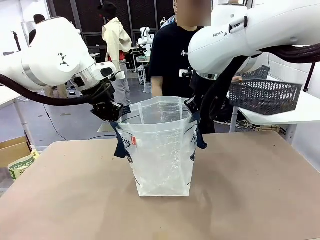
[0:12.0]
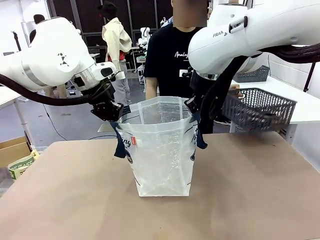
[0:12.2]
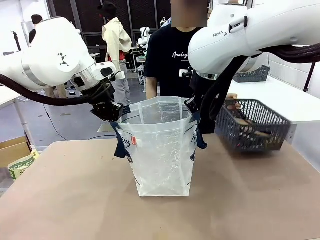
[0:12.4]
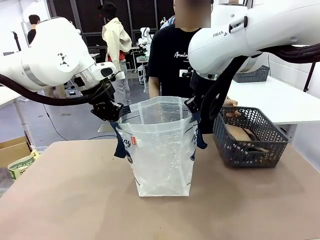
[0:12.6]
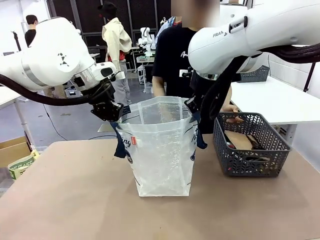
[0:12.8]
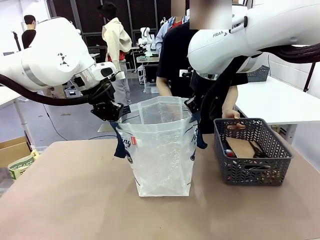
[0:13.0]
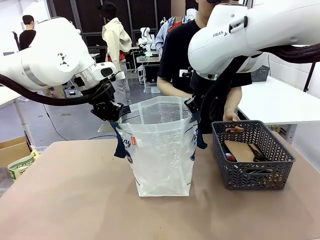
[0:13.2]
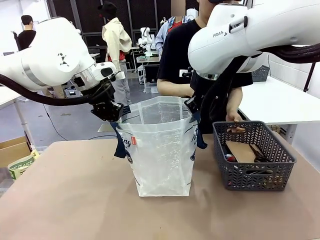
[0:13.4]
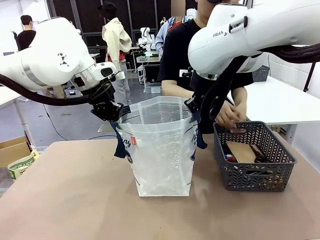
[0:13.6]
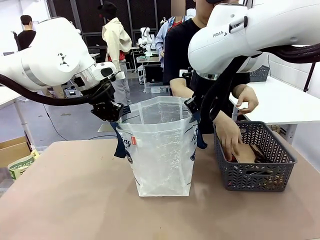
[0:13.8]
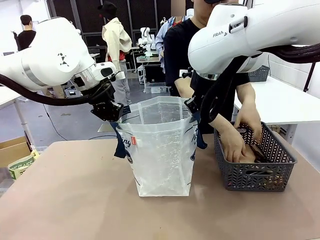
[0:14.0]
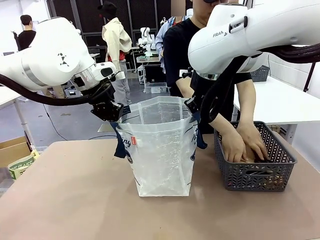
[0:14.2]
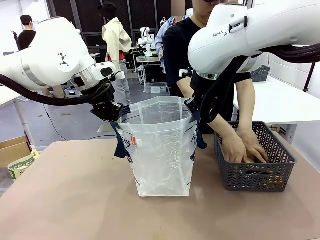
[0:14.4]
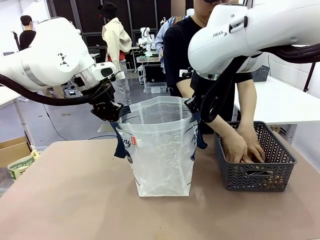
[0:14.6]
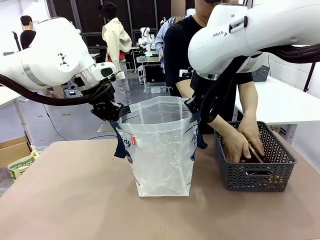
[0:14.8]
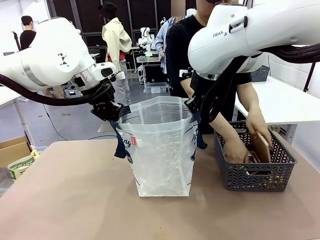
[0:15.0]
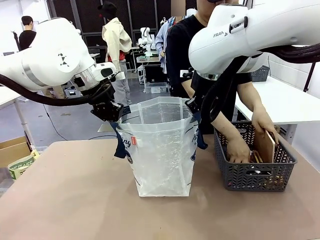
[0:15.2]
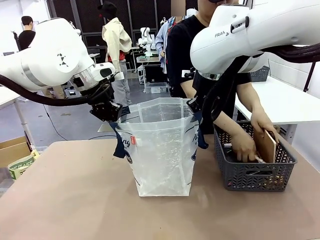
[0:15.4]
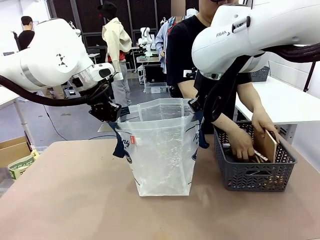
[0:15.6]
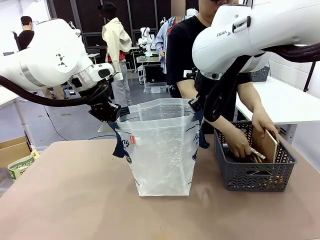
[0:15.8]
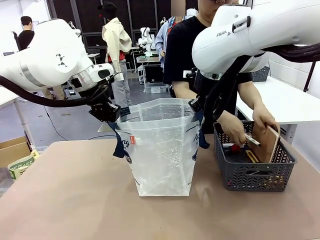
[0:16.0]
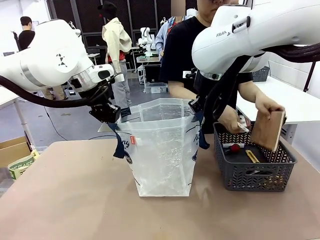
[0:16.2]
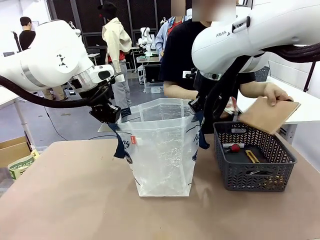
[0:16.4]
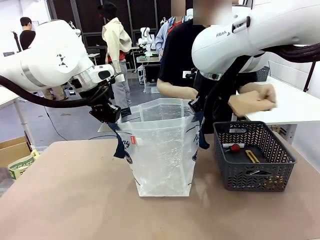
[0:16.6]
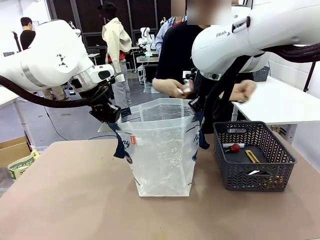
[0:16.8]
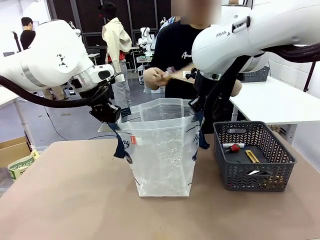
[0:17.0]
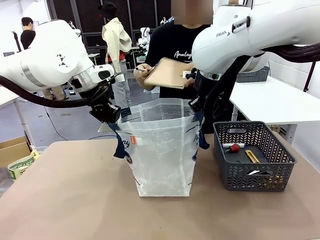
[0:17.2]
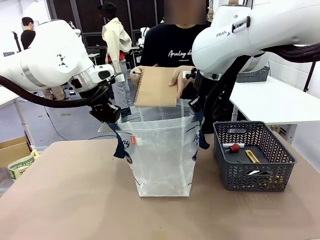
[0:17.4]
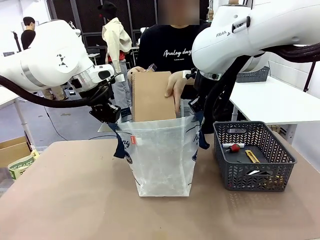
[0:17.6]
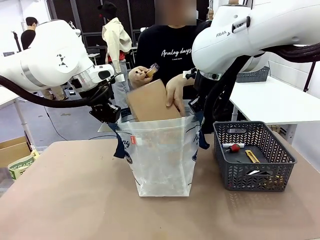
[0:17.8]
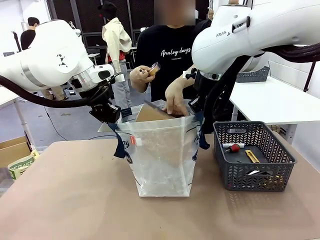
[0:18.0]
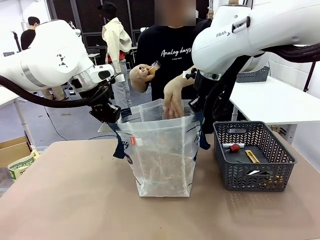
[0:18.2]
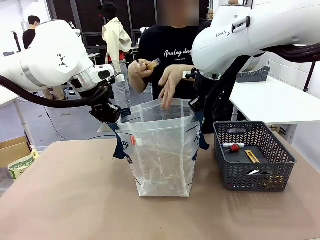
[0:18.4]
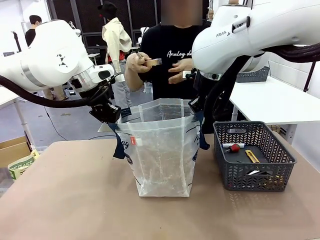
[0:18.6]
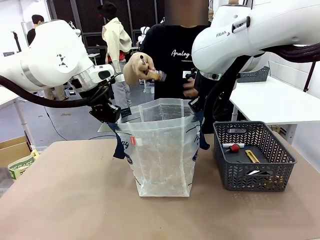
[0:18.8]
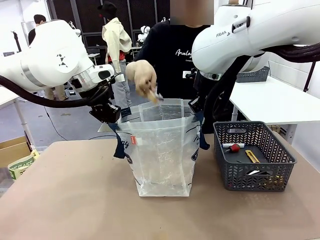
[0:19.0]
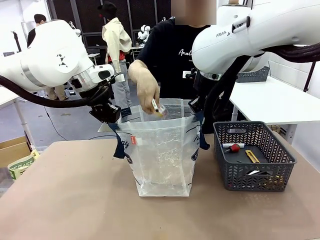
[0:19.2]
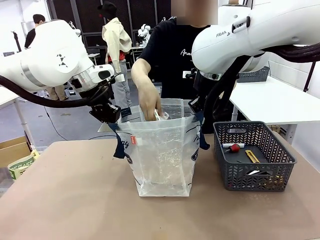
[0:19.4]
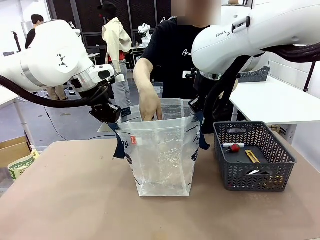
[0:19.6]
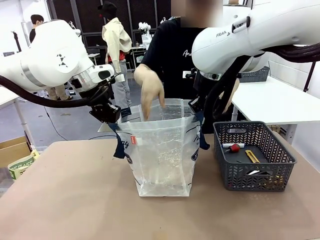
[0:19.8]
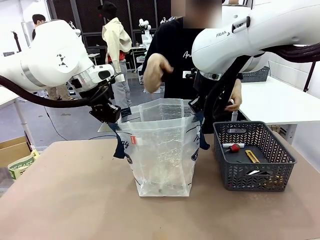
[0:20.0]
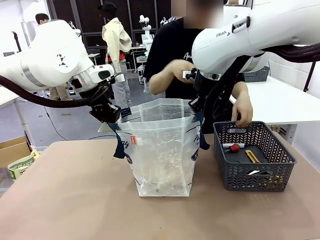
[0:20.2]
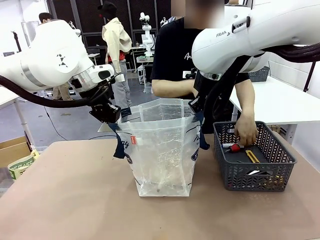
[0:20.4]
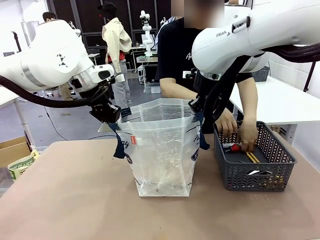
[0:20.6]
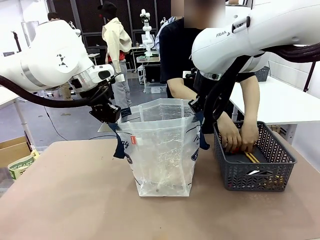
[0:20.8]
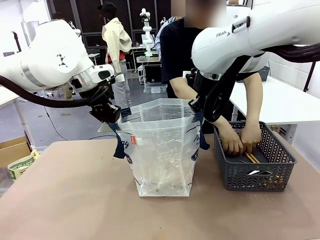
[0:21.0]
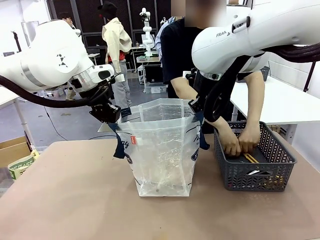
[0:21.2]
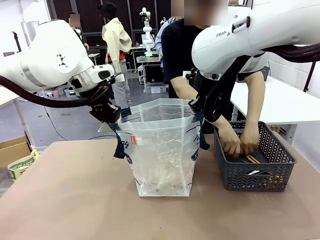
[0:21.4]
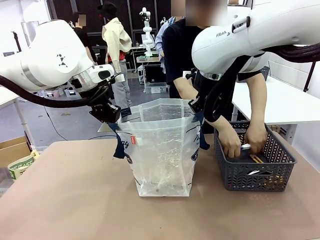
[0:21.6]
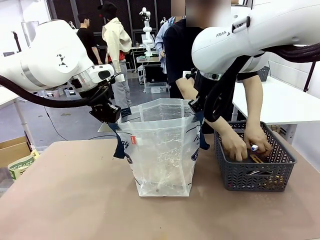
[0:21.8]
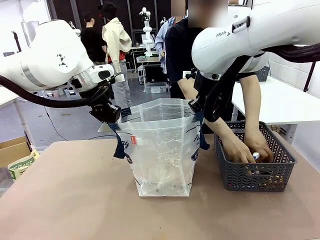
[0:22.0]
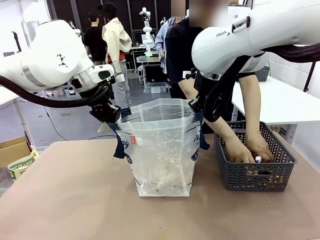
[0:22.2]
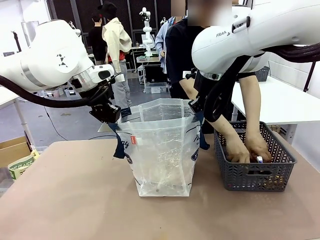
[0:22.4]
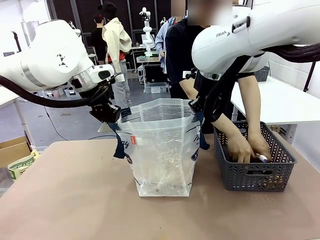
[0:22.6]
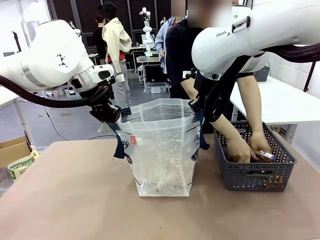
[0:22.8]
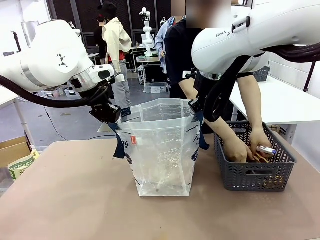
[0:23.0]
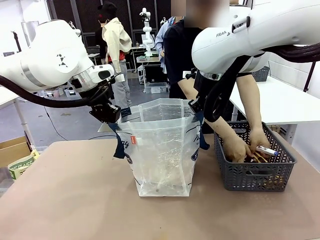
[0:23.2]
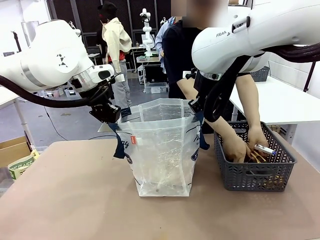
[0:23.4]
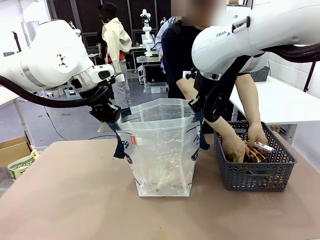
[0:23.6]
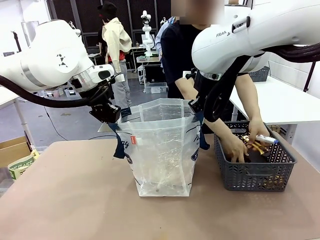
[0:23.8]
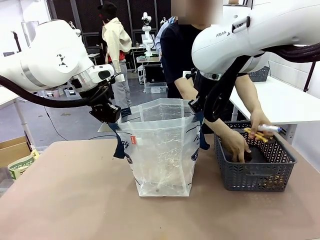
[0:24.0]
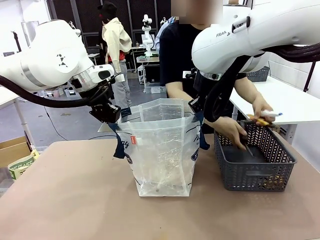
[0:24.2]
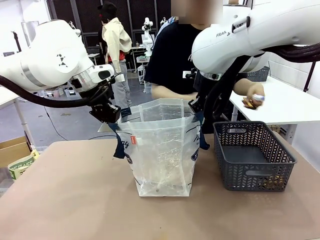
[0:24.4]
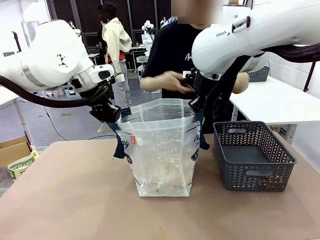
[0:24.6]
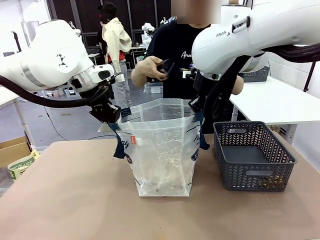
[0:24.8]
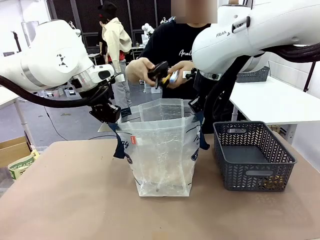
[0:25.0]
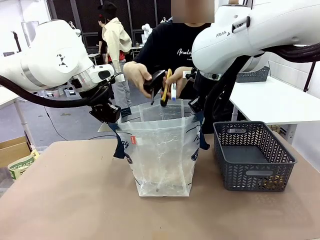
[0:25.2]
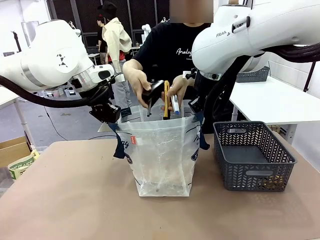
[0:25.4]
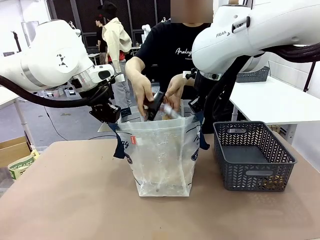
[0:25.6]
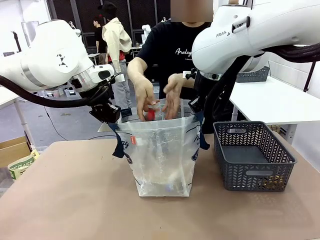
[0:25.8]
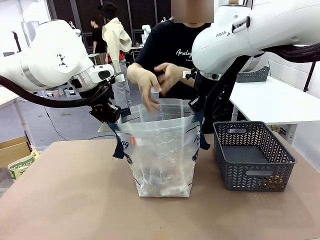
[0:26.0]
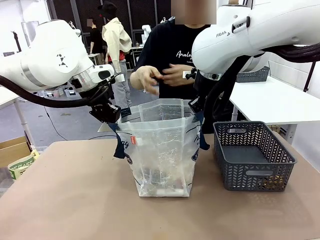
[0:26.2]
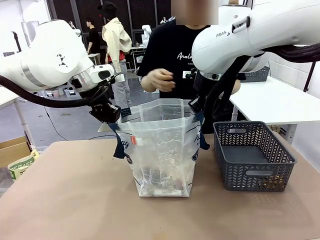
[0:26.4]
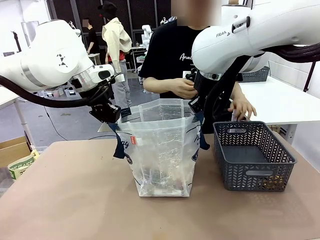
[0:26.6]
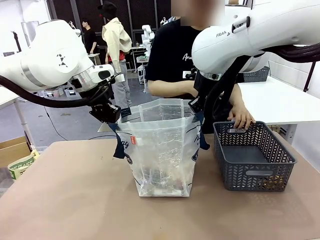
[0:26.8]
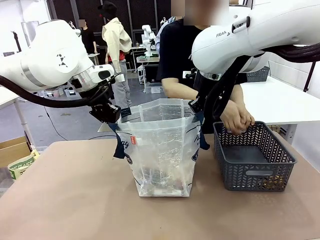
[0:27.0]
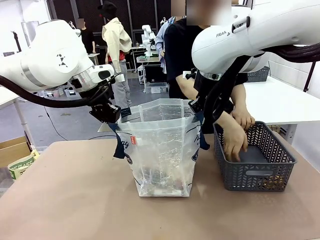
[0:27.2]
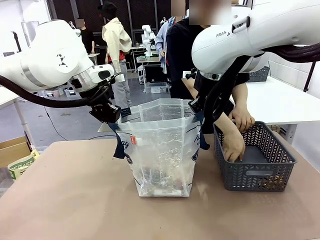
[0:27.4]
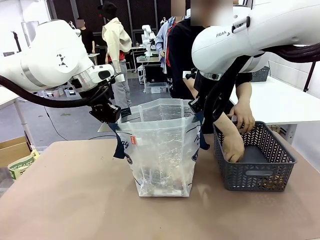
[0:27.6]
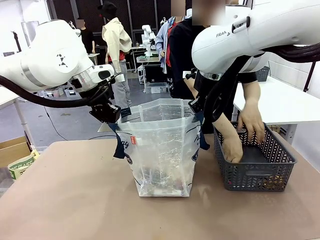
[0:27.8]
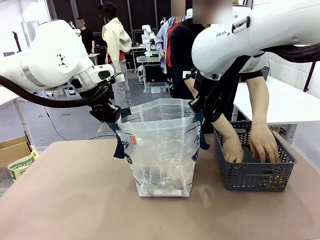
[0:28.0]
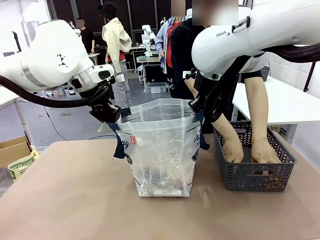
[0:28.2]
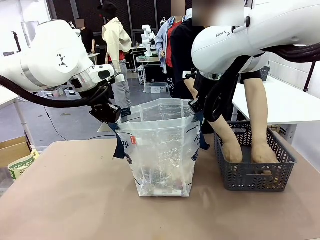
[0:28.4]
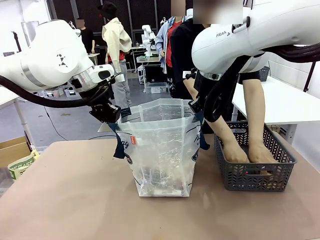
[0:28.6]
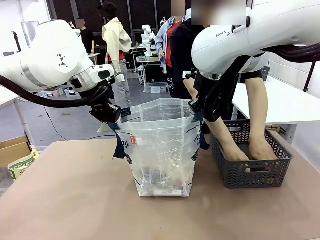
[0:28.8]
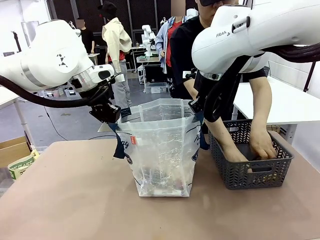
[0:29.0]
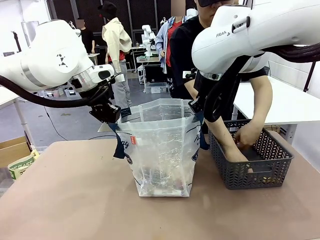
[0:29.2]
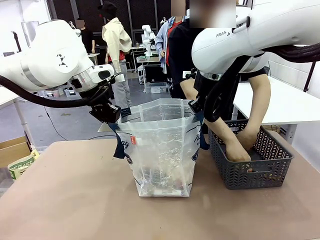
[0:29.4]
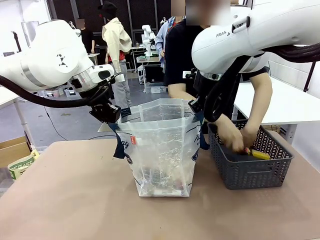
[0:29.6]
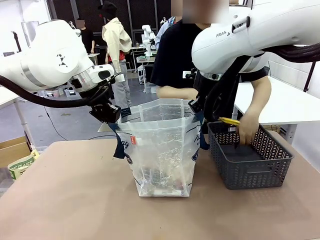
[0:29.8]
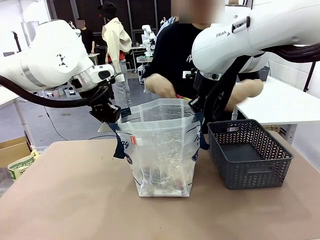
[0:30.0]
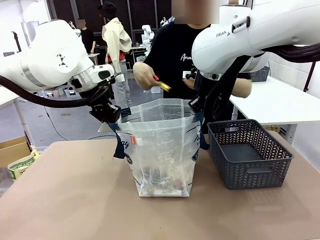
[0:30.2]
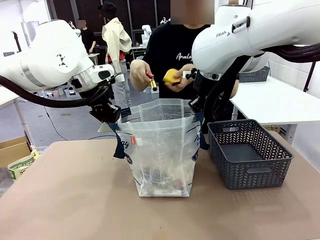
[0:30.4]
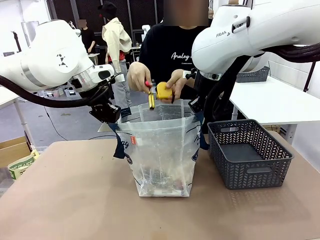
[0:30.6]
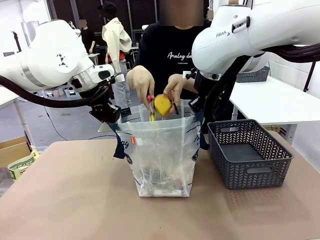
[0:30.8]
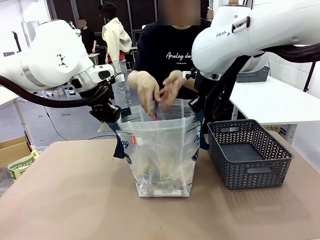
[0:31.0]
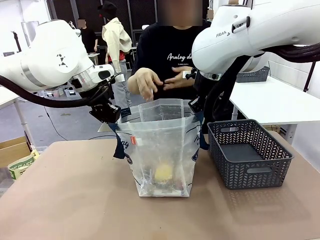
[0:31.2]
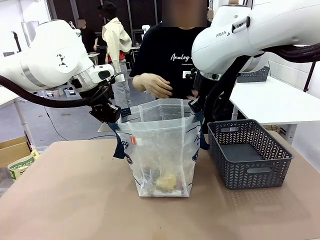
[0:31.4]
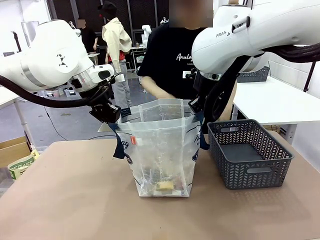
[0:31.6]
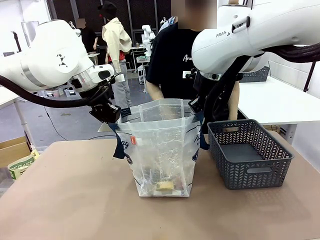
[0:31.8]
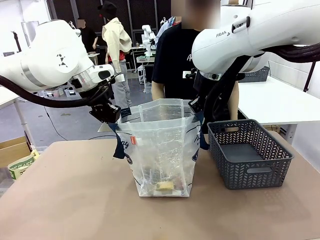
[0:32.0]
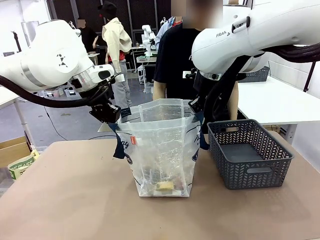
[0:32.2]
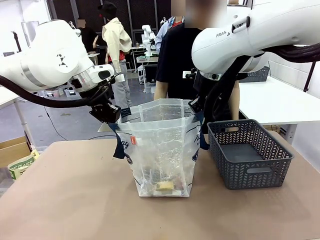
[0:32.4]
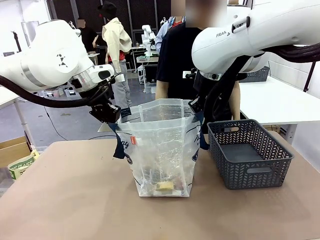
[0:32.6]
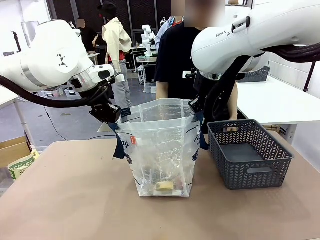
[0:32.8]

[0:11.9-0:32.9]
Task: Transfer purchased items from the store into the shopping bag.
Robot: Move the Reusable shopping bag to the right side of the table.
Person: Pick up the basket on the right, place it on the left side of the robot table, and move the items in the basket to the shopping bag.
